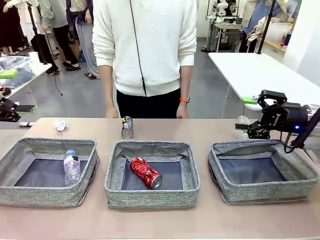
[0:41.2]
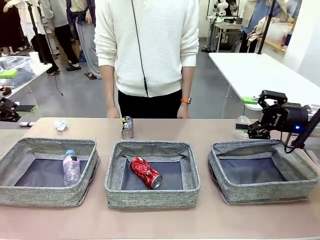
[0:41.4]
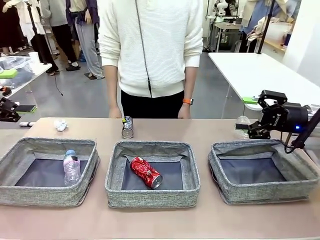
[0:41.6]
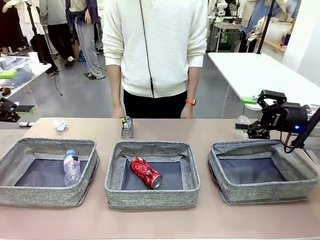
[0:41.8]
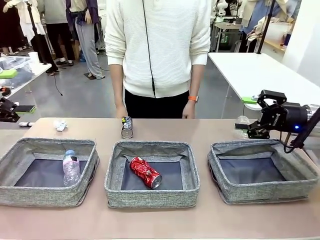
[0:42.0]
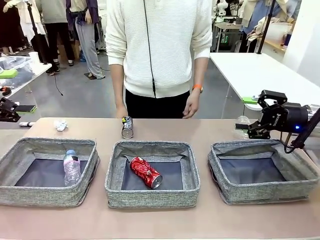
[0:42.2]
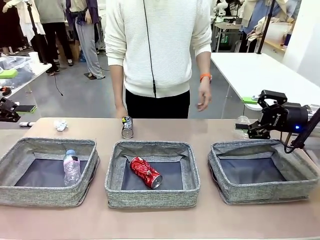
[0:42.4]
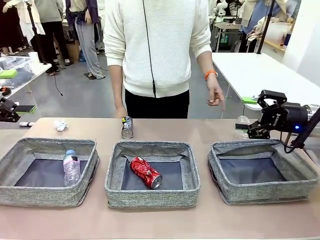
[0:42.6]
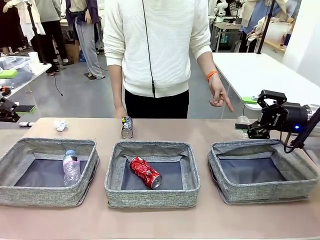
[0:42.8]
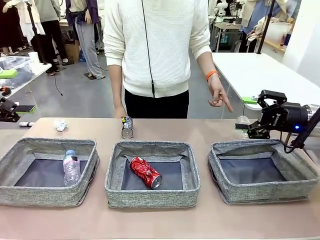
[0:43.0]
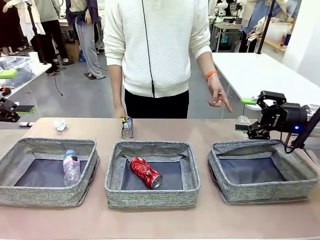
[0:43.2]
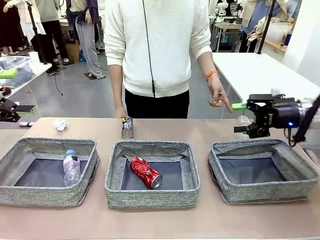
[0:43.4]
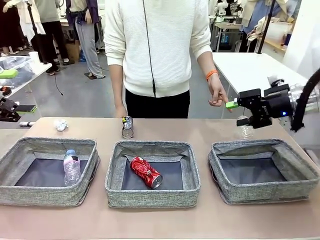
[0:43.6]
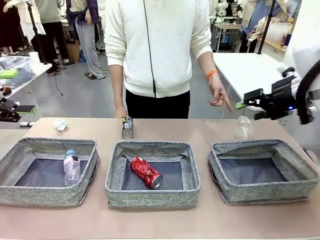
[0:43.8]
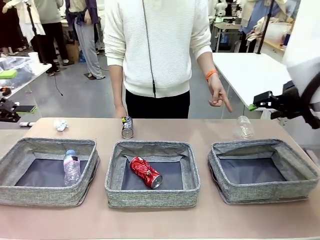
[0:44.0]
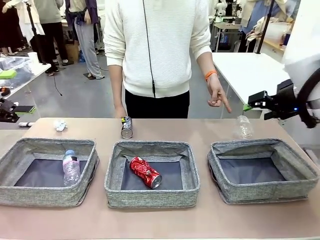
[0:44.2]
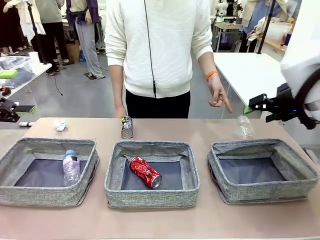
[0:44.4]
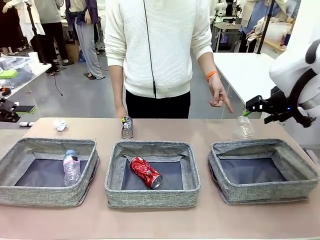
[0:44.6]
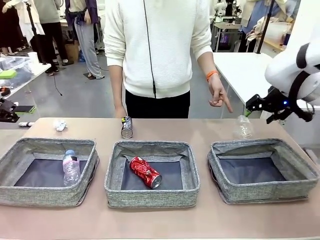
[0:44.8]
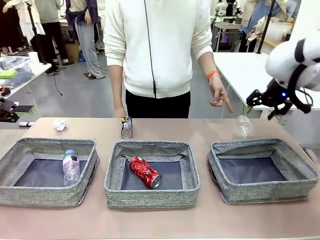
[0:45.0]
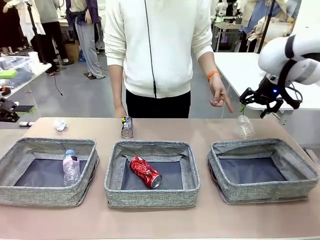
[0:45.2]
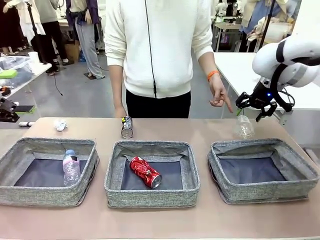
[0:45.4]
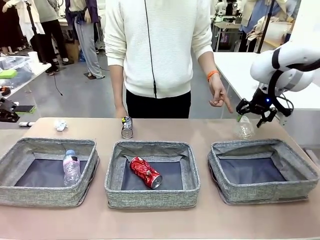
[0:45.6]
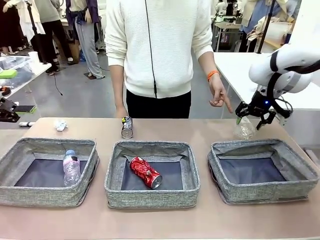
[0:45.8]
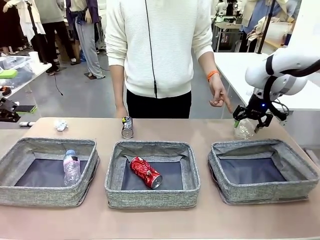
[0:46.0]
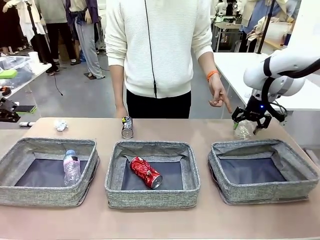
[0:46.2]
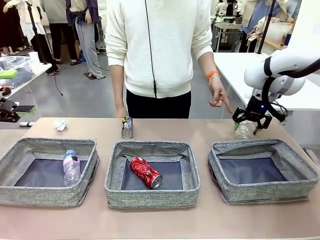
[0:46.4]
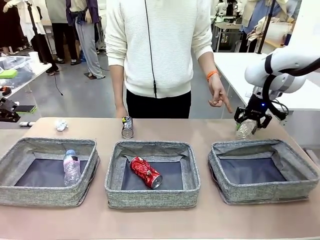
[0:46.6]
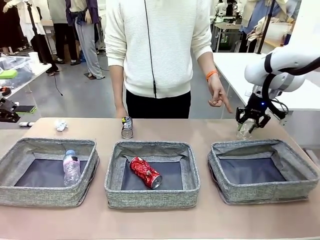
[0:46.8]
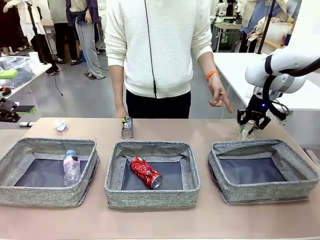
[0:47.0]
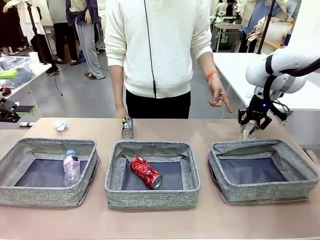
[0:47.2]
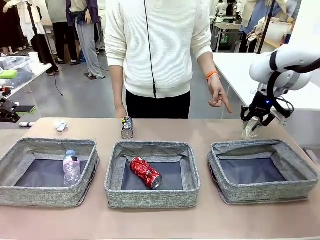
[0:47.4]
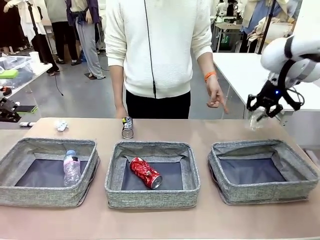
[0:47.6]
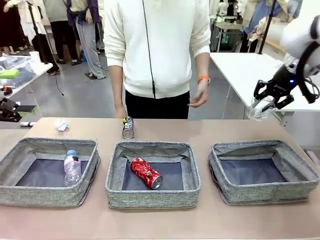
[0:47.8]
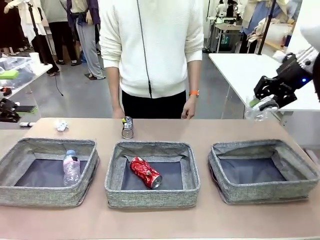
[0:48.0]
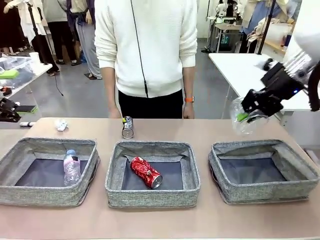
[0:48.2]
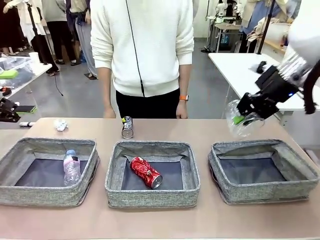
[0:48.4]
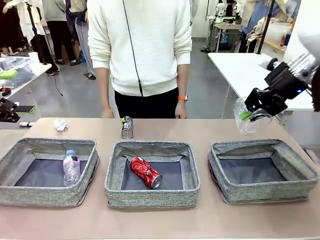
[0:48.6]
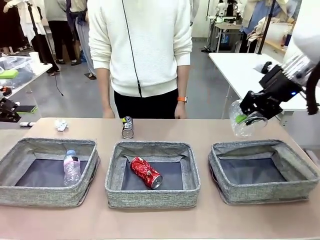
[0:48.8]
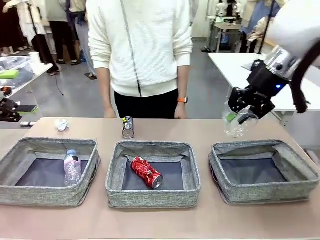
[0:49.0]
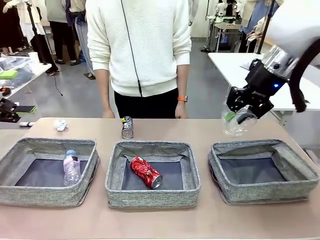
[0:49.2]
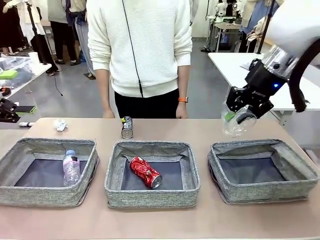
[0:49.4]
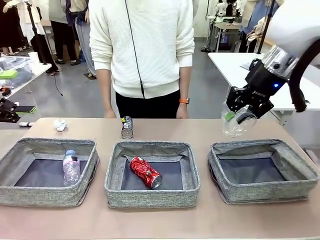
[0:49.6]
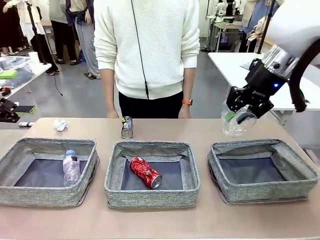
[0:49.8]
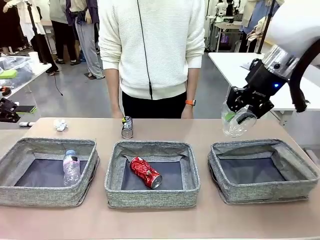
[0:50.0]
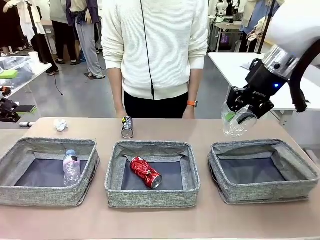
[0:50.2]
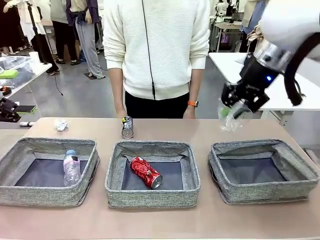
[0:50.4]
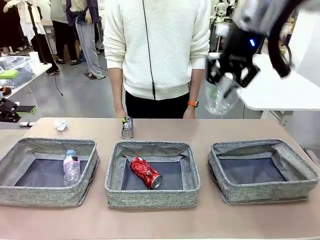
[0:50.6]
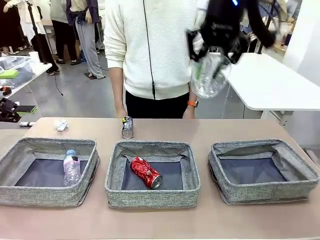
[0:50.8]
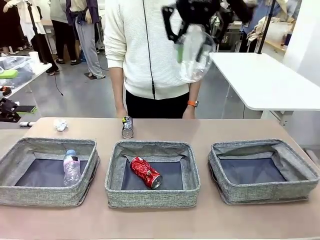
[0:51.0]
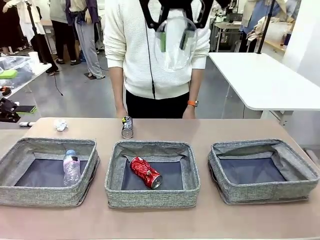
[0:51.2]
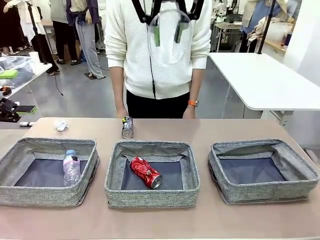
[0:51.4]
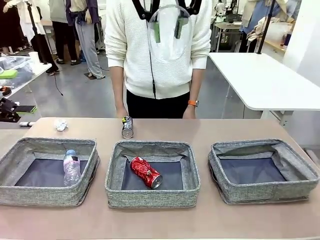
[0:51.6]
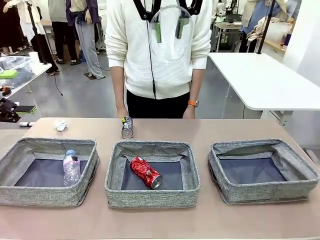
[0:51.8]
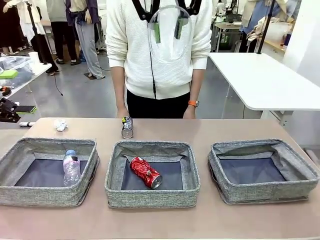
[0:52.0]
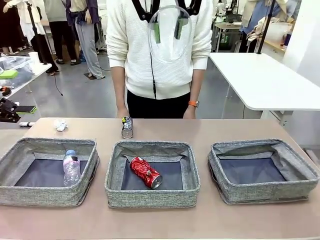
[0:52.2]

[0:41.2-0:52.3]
Task: Sort the waste into the appropriate baskets.
Robot: Pick up the waste item pointed out by the person.
Person: Points to one piece of trash on the table.

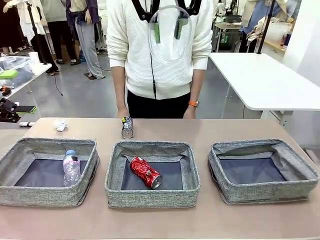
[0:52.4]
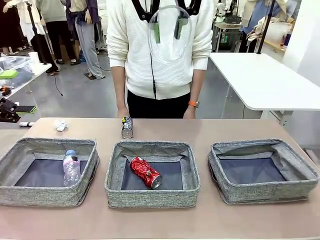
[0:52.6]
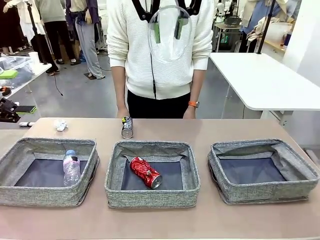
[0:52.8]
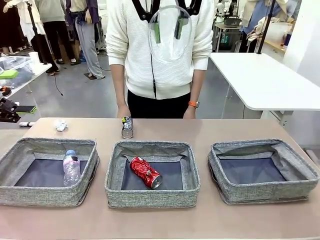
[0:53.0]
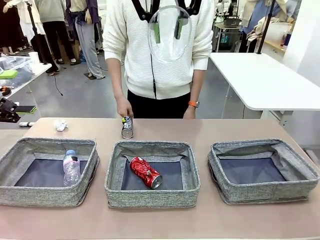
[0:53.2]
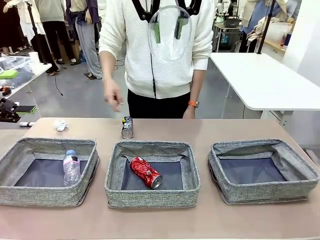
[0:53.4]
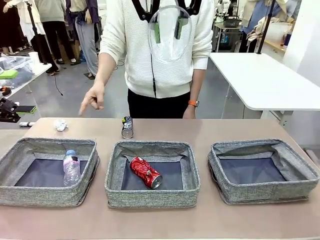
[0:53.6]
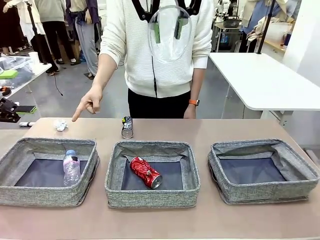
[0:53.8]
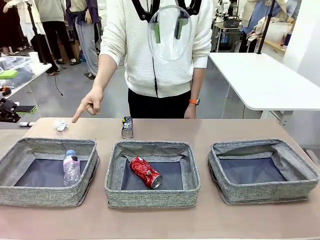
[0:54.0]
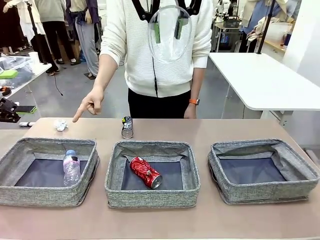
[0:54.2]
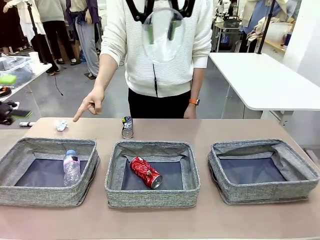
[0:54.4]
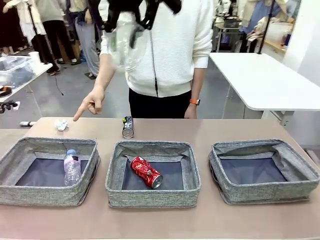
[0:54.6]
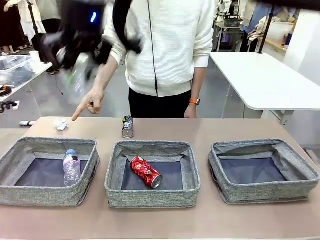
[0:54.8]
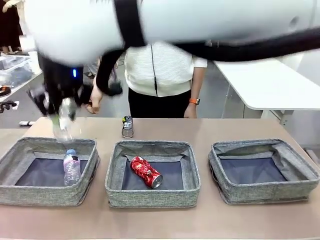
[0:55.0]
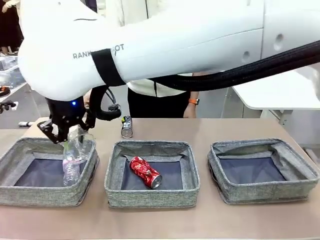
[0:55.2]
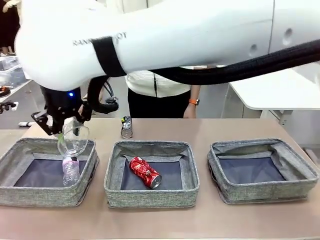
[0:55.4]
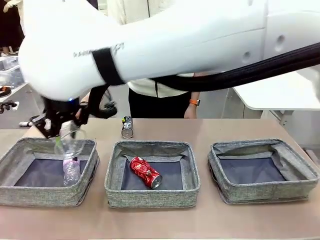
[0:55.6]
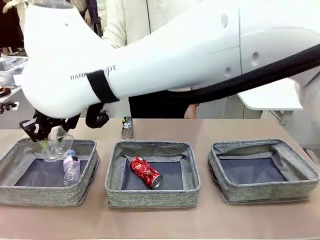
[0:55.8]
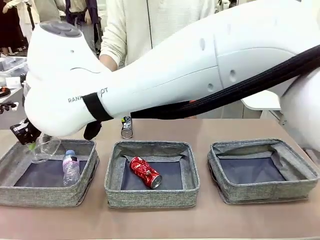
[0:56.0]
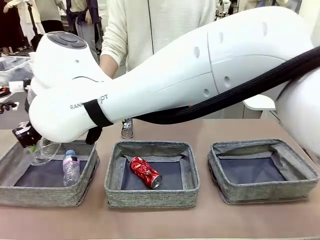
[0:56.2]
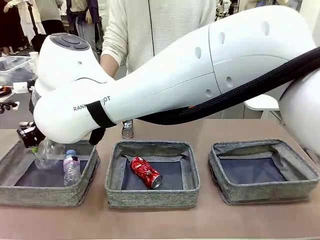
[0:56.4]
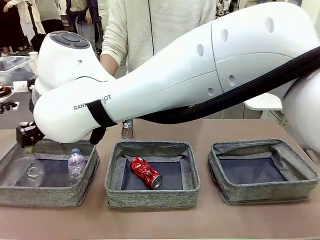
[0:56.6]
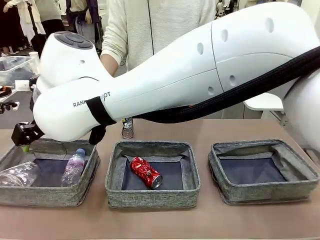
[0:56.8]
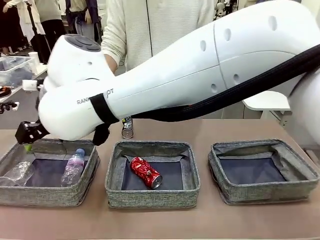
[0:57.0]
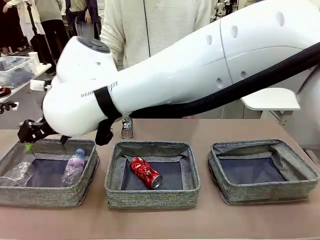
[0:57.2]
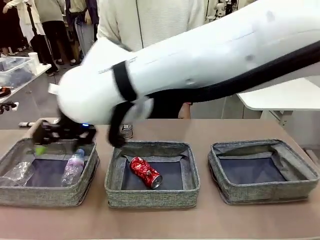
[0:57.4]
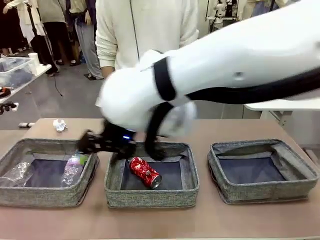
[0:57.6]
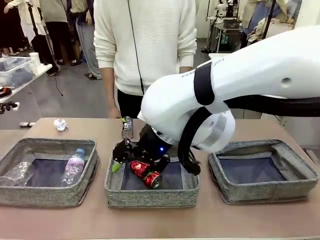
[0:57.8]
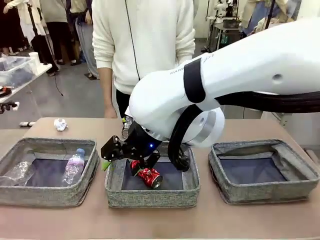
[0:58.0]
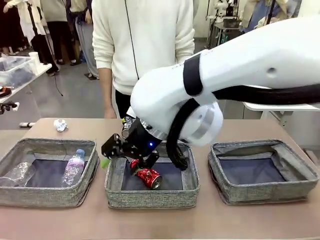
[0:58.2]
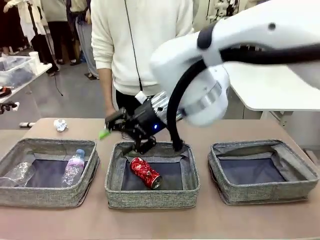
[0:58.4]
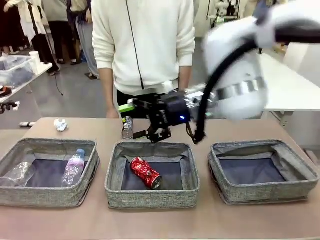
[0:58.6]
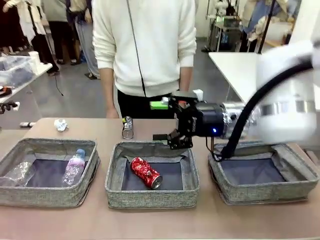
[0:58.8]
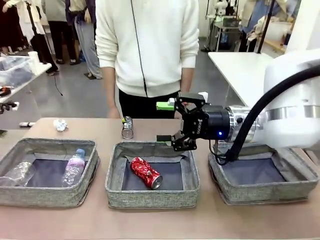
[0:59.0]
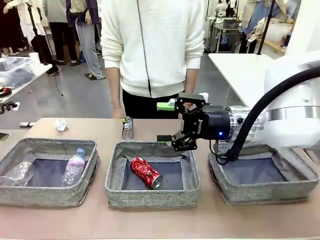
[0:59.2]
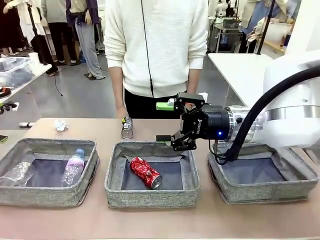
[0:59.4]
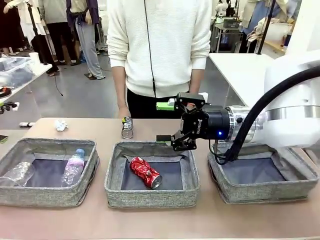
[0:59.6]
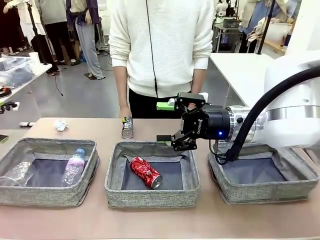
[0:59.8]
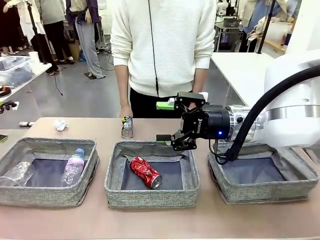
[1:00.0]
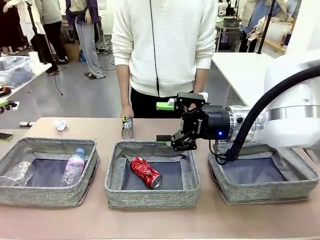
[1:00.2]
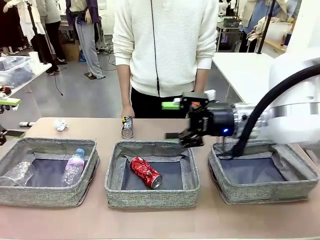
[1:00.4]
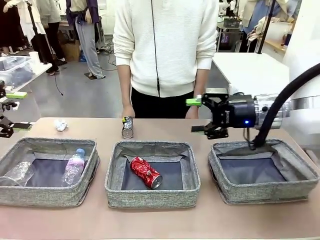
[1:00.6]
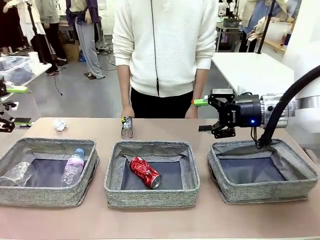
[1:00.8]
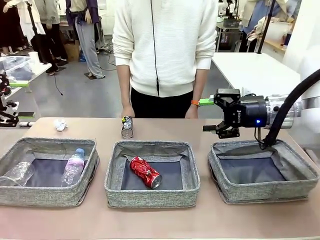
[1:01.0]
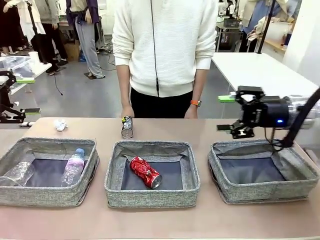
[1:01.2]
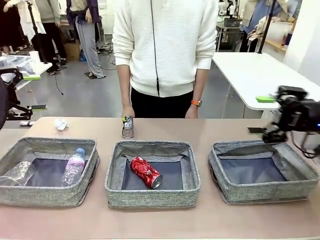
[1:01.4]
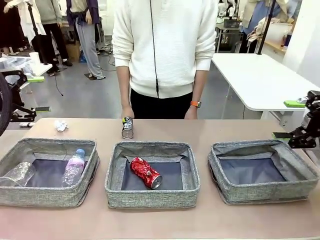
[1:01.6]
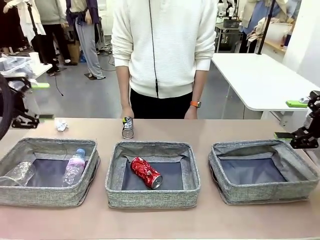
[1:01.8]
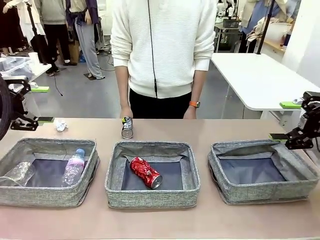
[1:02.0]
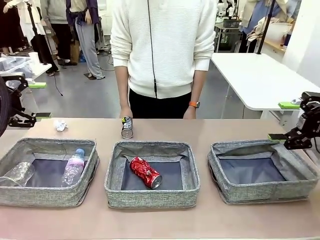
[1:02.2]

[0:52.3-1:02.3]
Robot: Place the picked waste into the Fabric basket indicated by the person.
Person: Instructs the robot to place the picked-up trash into the appropriate organizing basket.
